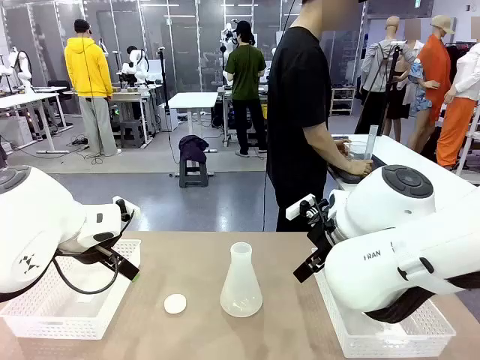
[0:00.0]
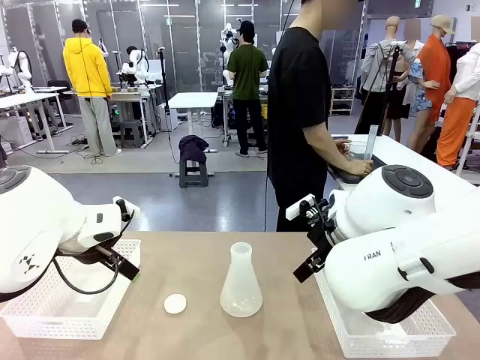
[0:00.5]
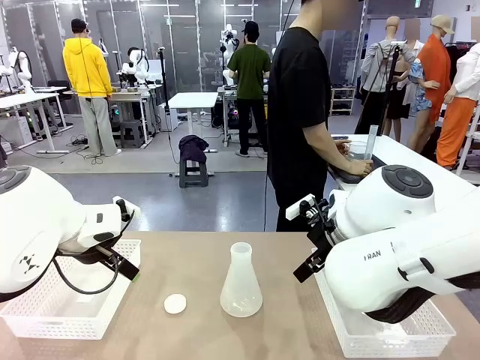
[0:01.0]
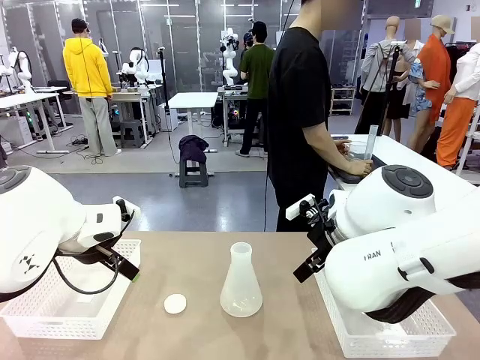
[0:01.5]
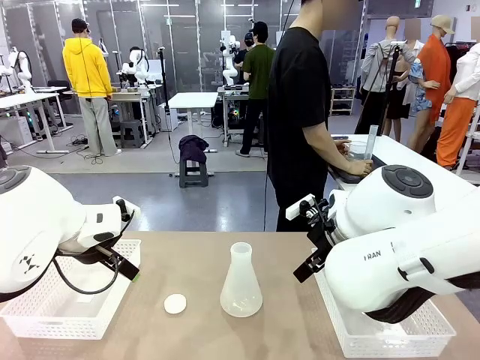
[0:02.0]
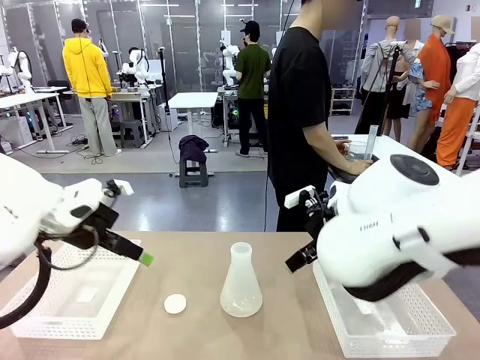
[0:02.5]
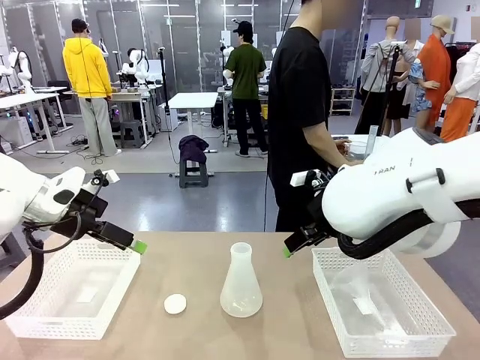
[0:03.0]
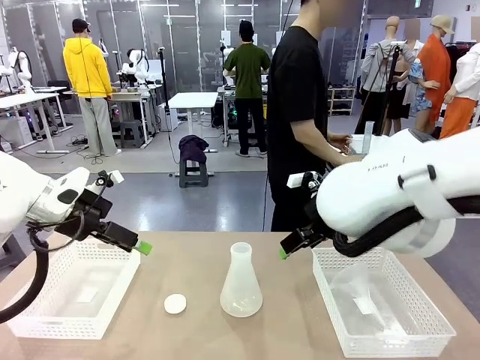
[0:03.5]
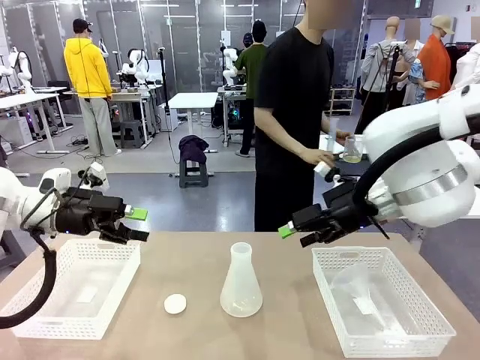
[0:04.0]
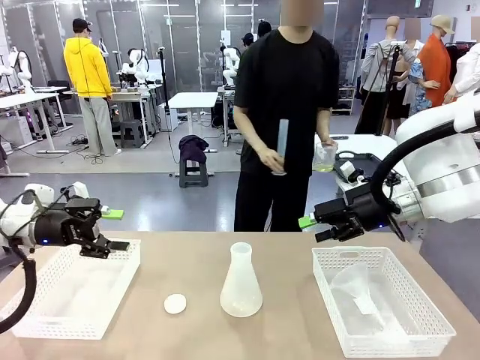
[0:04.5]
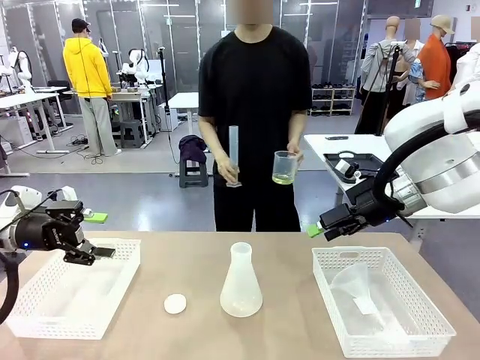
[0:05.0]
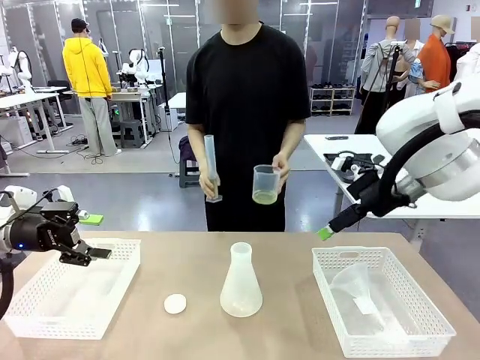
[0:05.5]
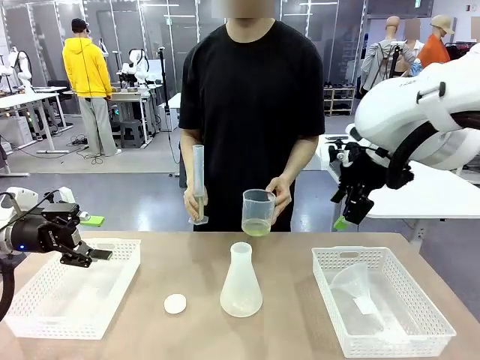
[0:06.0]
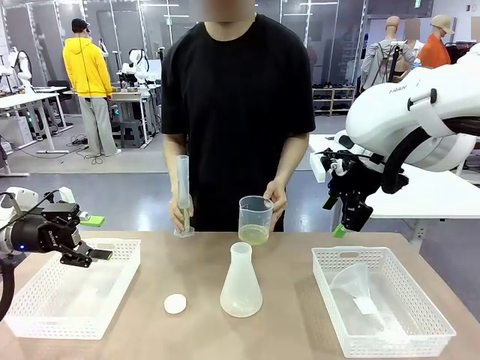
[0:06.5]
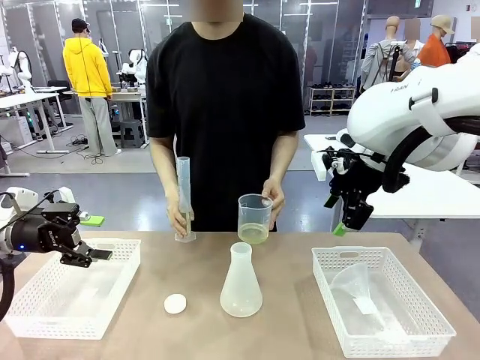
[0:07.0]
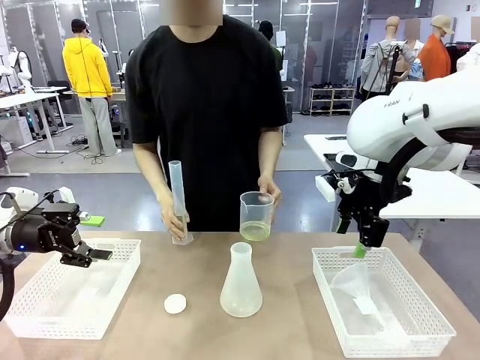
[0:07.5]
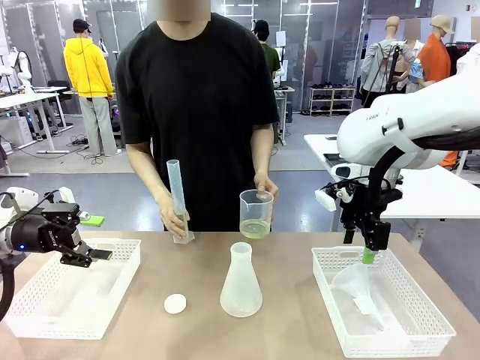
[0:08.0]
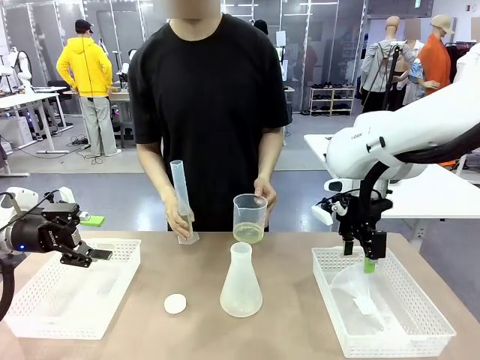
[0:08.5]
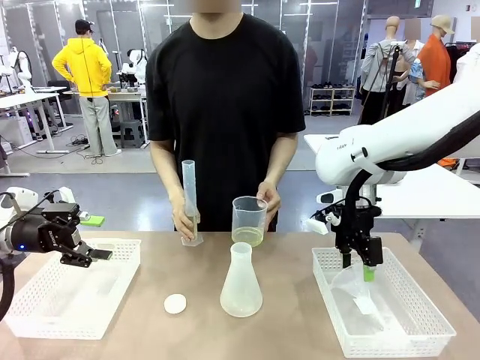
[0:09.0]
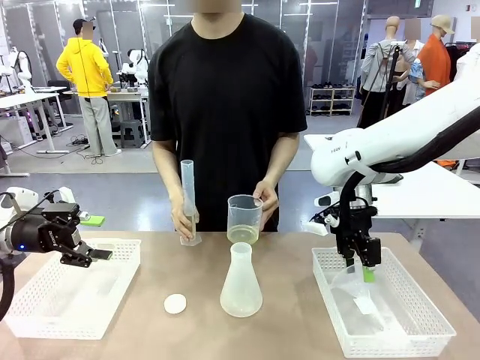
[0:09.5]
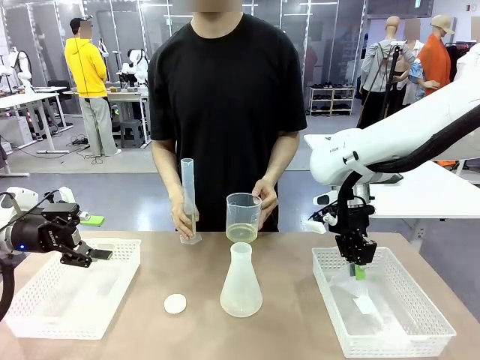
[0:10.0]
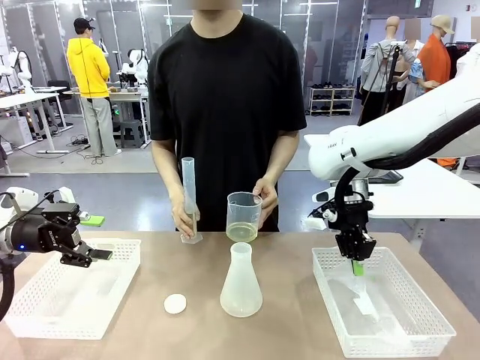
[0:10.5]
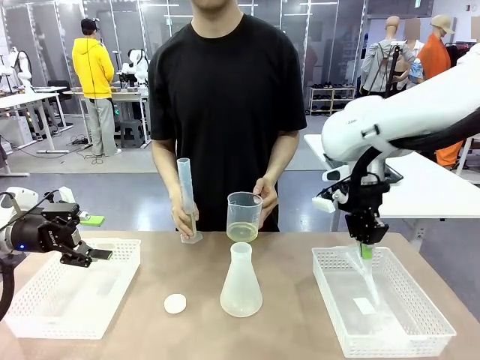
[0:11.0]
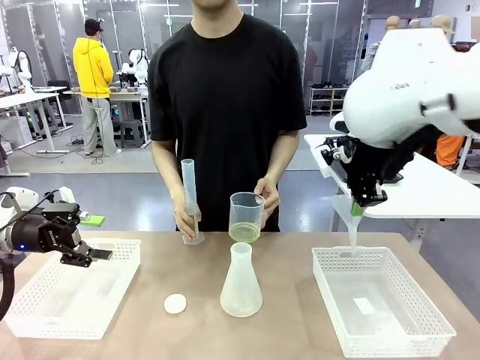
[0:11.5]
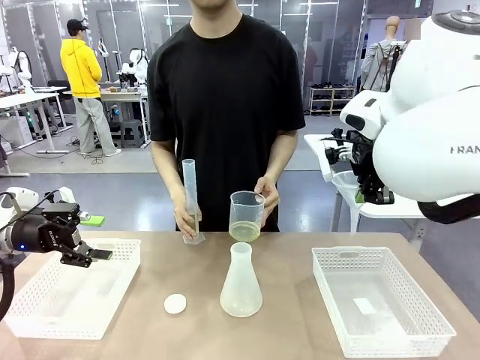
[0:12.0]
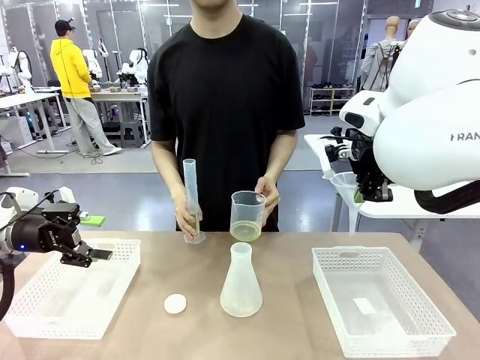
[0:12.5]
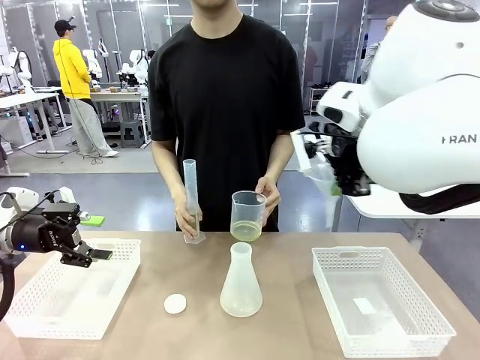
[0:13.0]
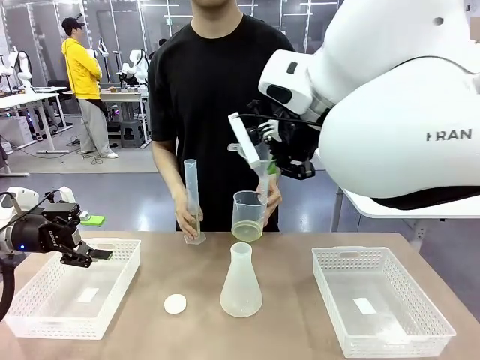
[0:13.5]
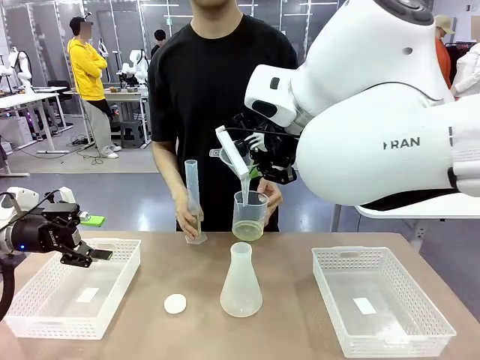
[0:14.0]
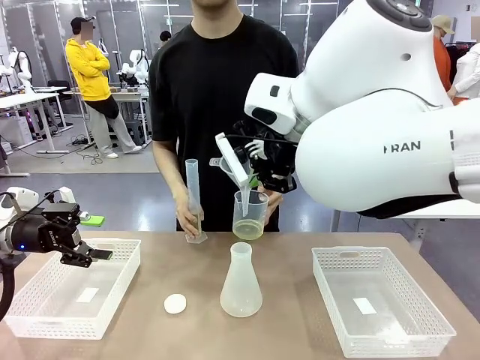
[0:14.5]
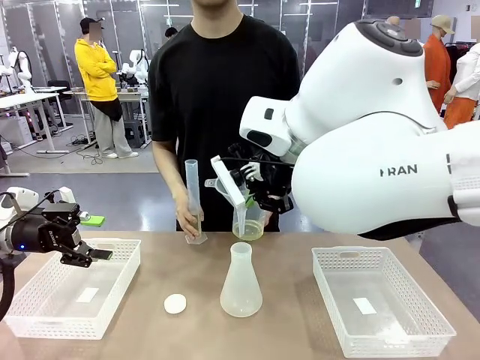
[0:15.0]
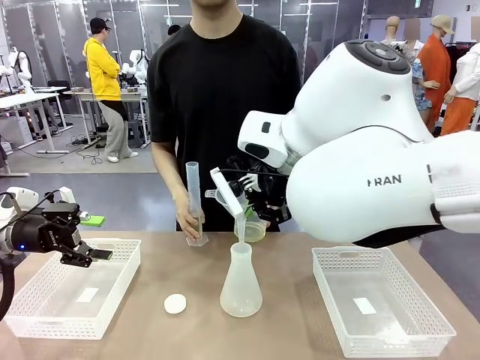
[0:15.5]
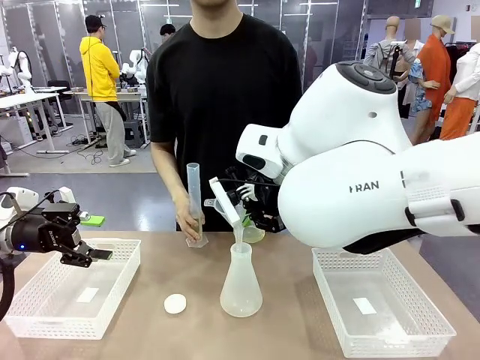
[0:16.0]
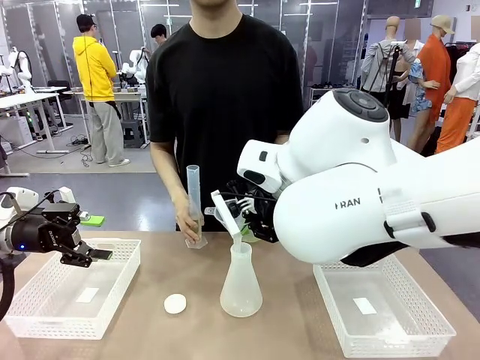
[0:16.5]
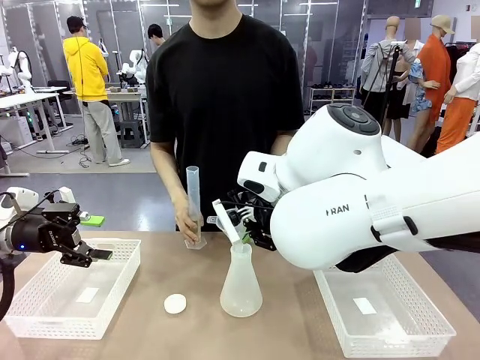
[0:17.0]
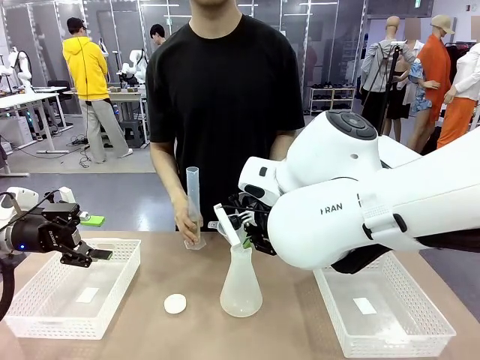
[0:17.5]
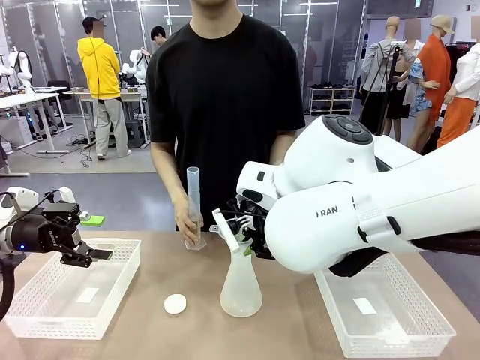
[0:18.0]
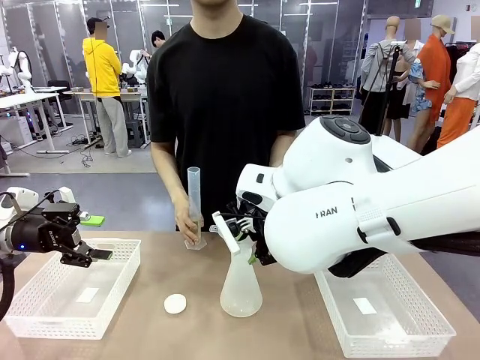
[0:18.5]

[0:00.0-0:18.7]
Task: Prepare the solutions needed for the experiment.
Robot: Pick up the Plastic Funnel and insert it into the Big flask.
Person: Pick up the beaker and the cylinder and move to the middle of the robot table. Pour the solution from the beaker and the cylinder into the flask.
